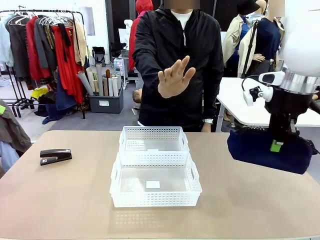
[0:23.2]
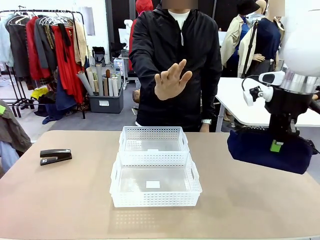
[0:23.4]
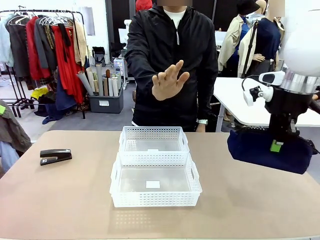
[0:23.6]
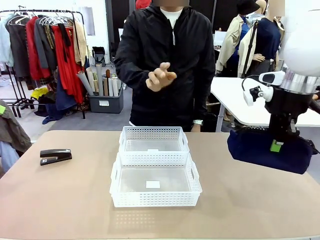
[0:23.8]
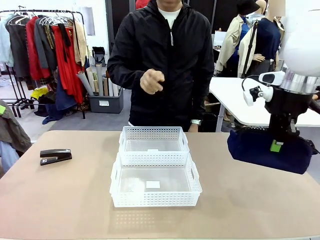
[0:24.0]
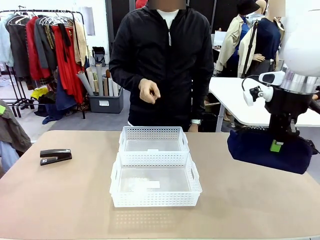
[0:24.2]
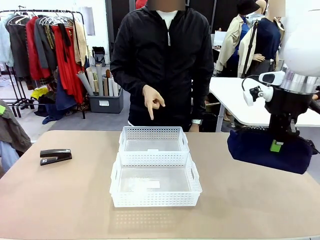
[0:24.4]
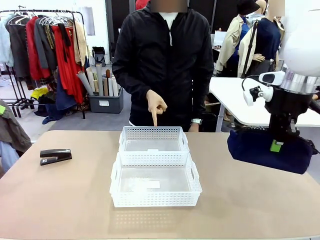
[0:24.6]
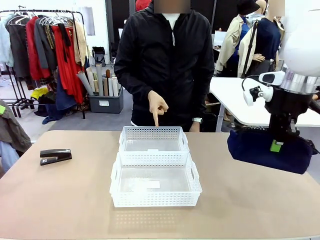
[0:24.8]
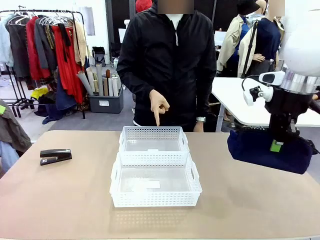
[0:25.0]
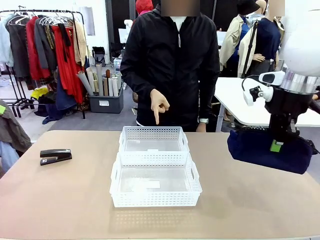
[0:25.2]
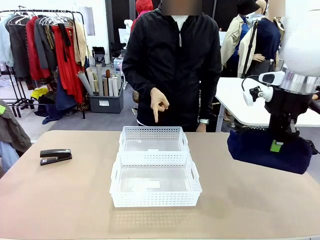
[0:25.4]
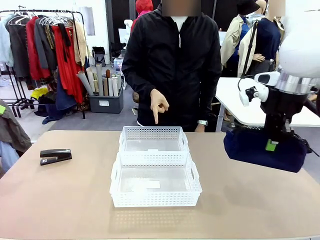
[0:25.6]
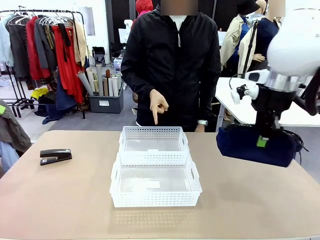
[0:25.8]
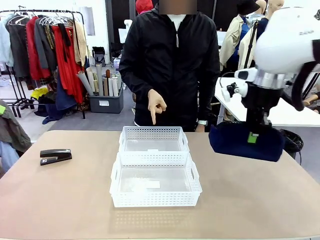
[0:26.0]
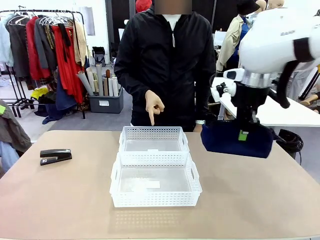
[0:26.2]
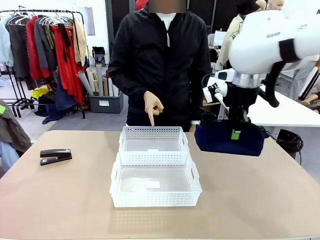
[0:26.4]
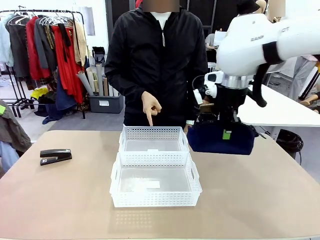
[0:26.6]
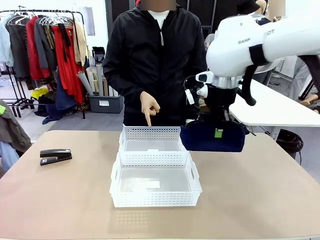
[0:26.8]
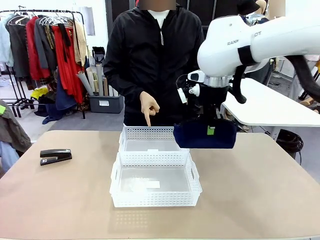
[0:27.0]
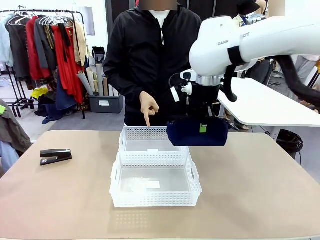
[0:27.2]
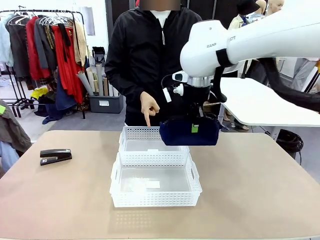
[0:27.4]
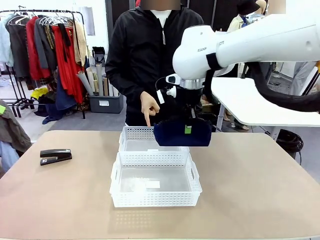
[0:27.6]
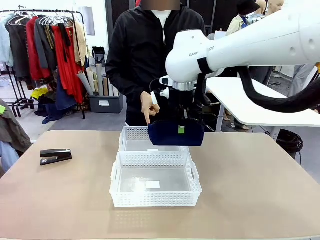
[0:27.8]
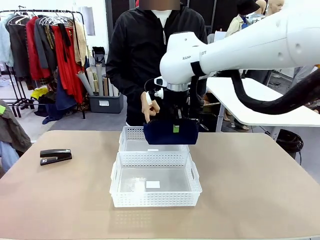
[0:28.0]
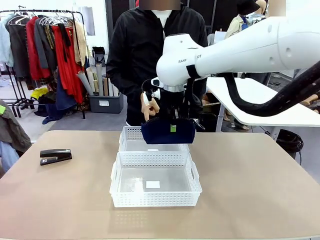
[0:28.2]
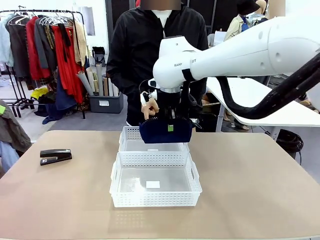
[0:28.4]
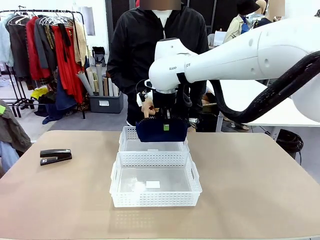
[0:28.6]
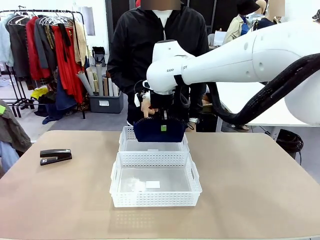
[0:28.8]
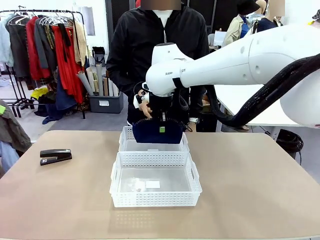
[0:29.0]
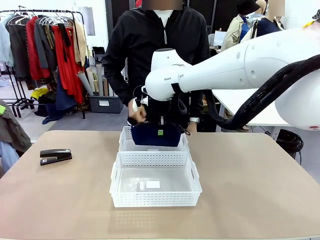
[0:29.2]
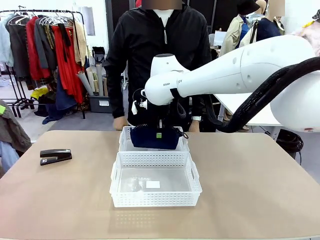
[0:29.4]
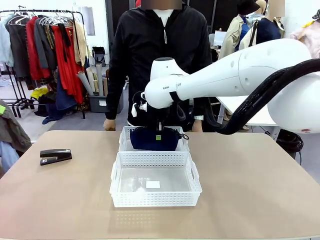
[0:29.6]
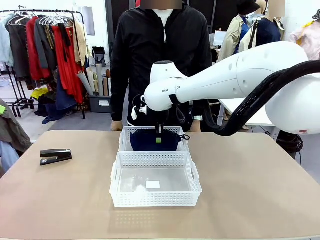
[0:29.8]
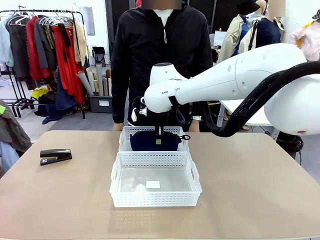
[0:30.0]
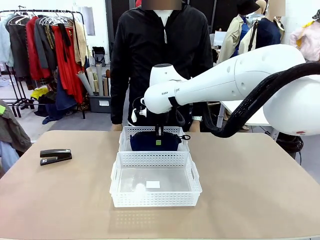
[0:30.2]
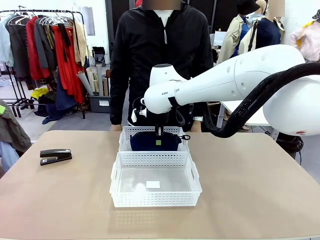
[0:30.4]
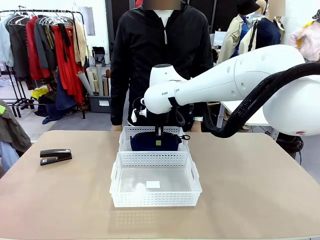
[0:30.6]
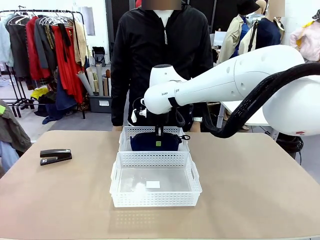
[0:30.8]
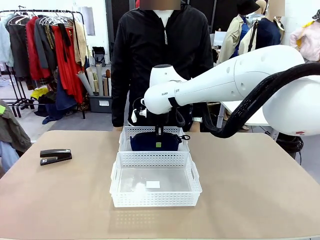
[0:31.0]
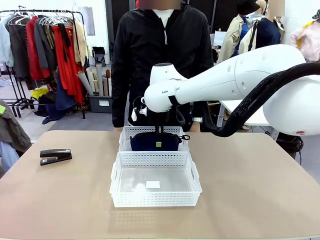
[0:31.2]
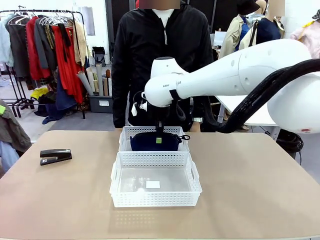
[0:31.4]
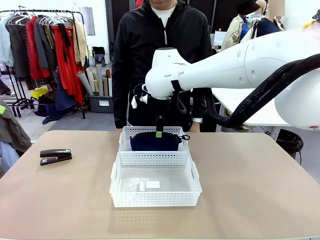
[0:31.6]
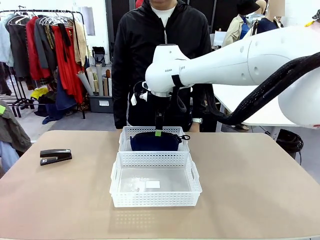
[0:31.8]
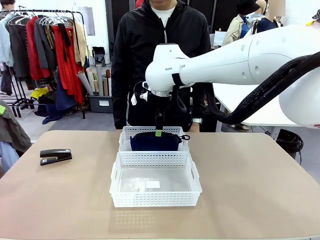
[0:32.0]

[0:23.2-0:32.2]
Task: Distribute items into two baskets.
Robot: Place the picked Pencil pouch into the Organizing basket as instructed by the person.
Person: Instructs the robot to place the pencil case into the opposite basket. Points to the stapler.

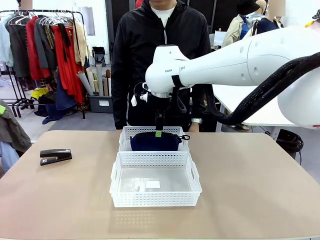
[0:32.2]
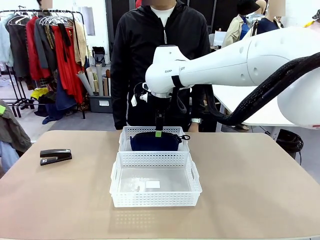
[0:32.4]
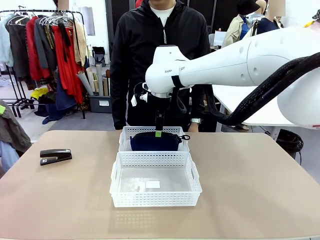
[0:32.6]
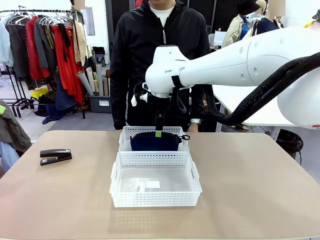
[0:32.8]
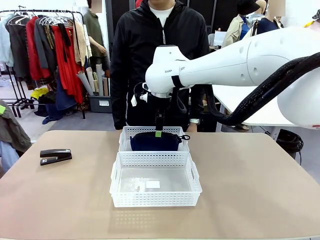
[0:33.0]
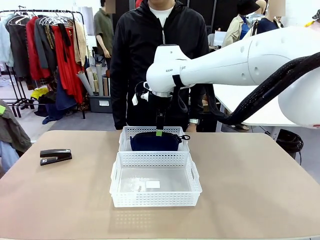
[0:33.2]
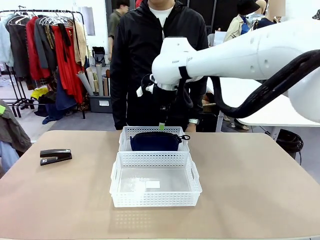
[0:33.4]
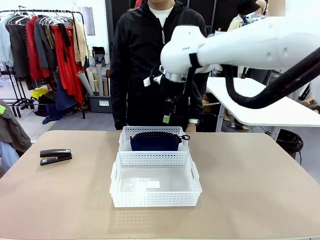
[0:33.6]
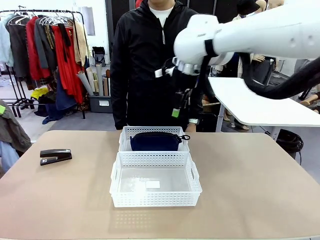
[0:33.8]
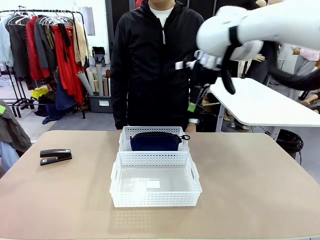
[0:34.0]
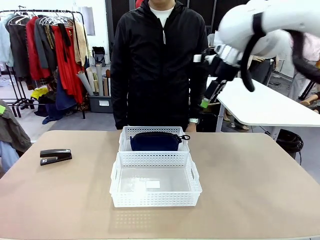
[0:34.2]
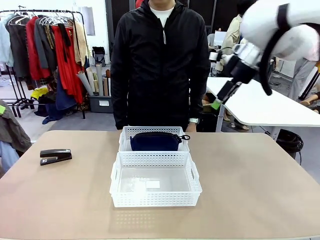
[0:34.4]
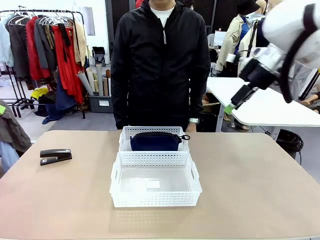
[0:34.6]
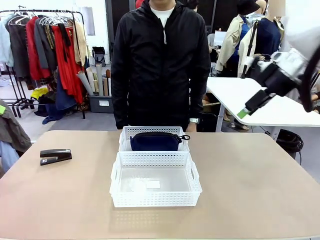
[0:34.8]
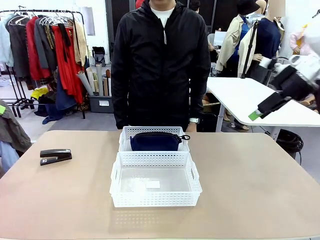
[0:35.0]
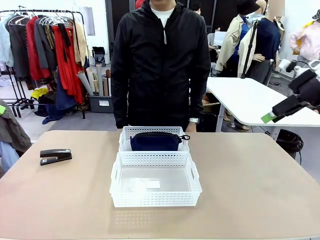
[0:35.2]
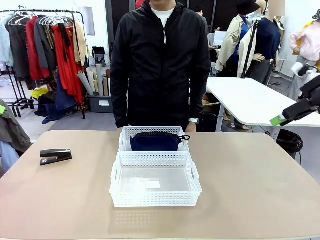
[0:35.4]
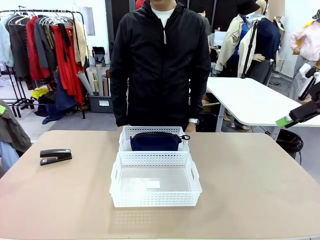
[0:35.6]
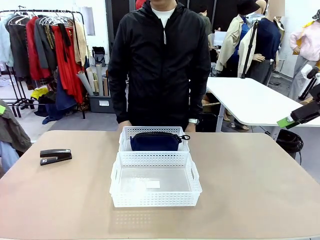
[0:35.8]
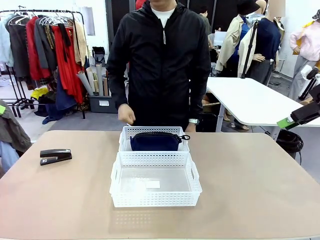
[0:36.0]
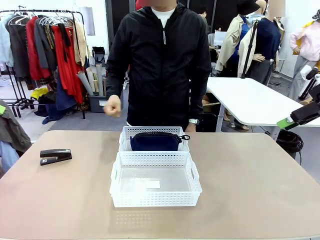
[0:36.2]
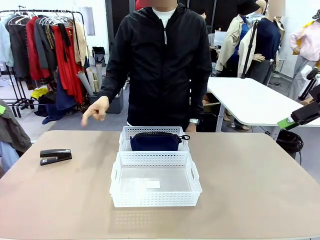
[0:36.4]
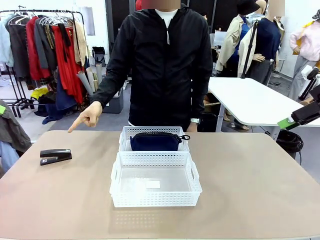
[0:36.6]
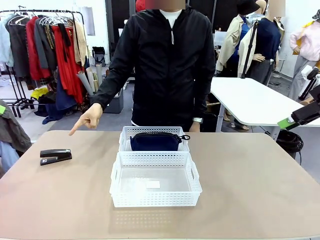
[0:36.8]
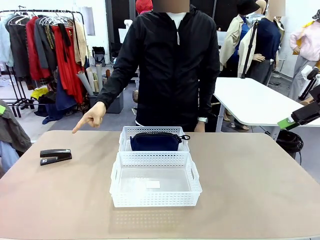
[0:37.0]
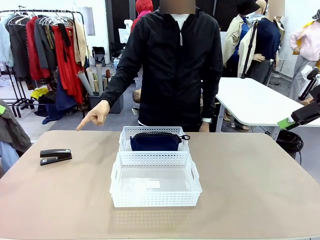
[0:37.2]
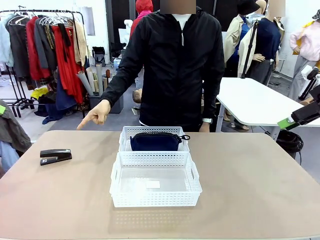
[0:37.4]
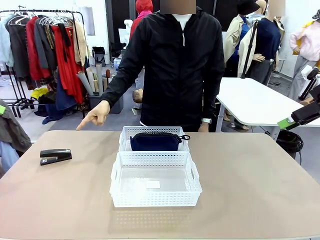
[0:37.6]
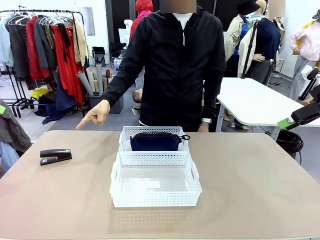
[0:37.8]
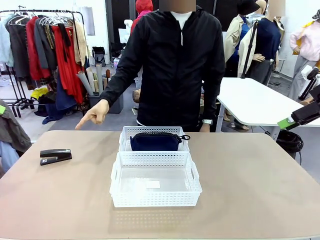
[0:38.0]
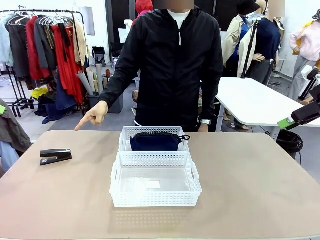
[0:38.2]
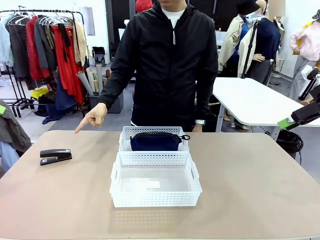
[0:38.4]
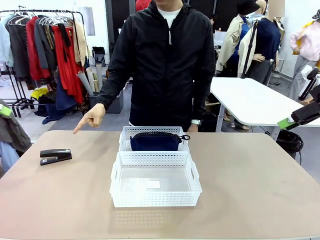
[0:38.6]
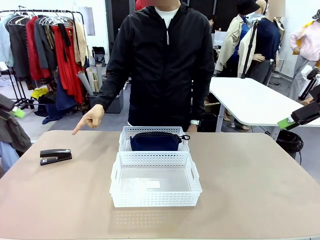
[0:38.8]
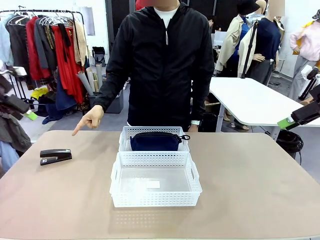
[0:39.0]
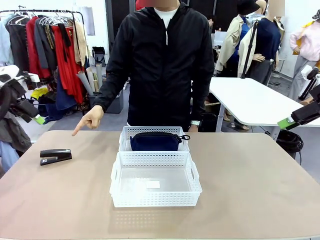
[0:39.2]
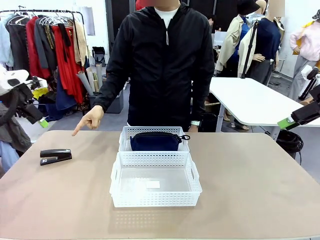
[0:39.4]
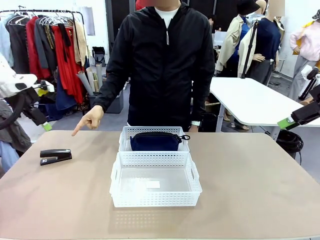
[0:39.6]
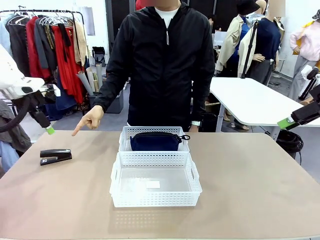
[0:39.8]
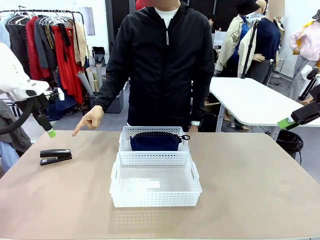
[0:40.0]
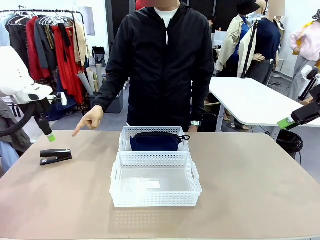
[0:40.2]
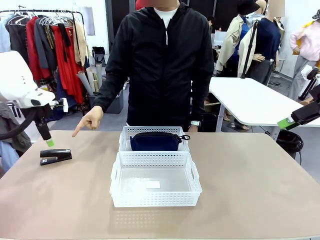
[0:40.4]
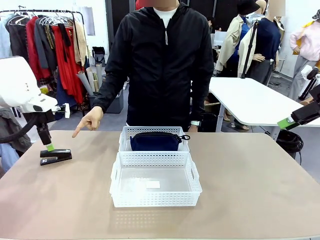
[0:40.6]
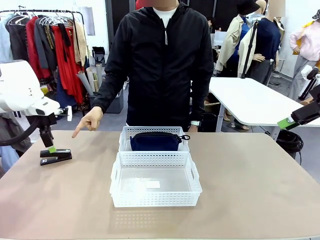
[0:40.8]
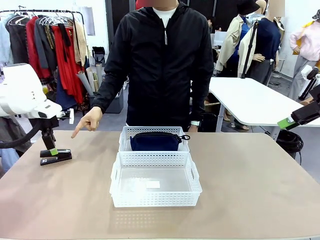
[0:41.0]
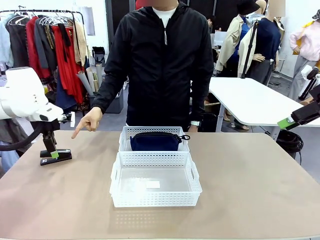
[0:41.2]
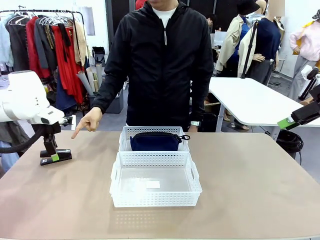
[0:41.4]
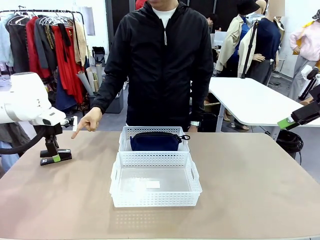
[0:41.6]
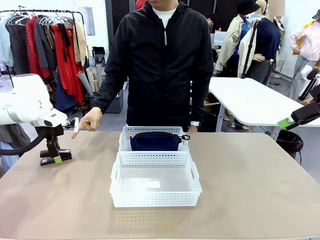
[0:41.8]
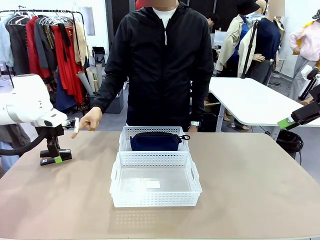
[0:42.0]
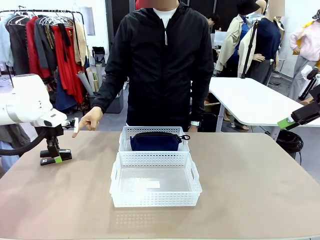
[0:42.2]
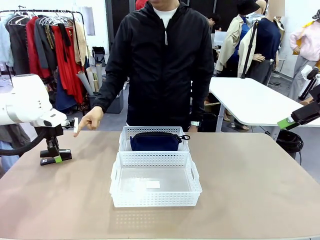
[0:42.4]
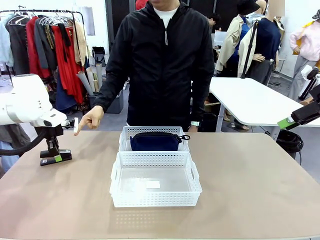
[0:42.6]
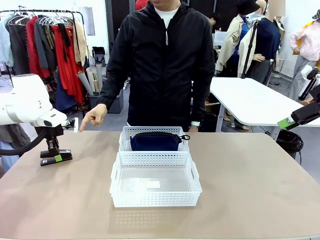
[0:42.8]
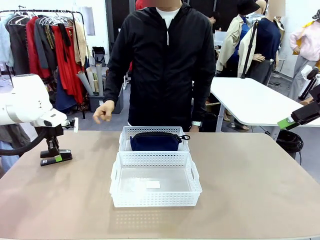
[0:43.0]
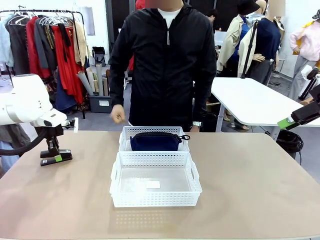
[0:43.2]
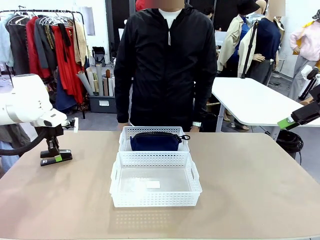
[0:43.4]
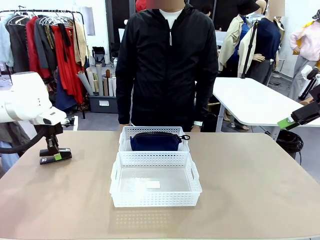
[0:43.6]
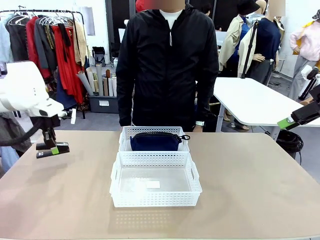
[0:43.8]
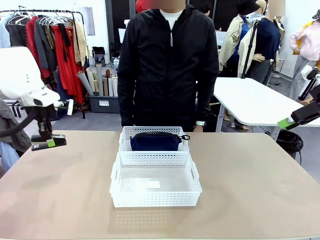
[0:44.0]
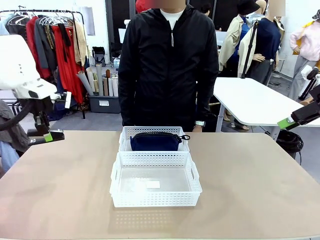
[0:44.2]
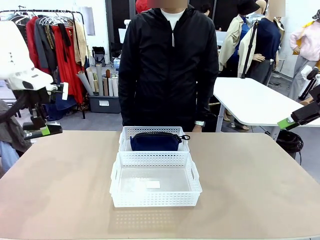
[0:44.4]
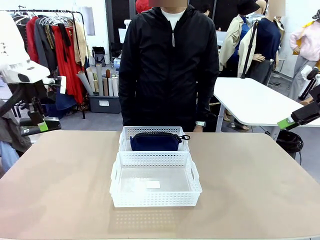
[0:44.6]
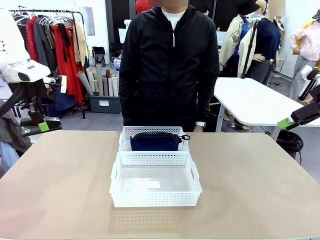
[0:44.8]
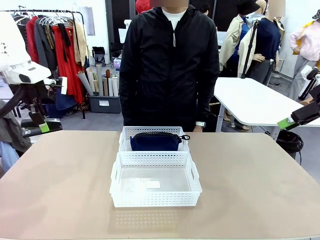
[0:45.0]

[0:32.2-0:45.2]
Robot: Pick up the Stapler that the person points to.
